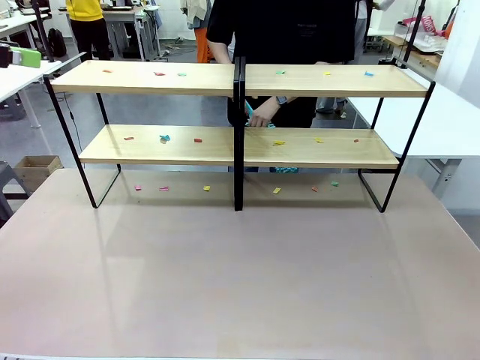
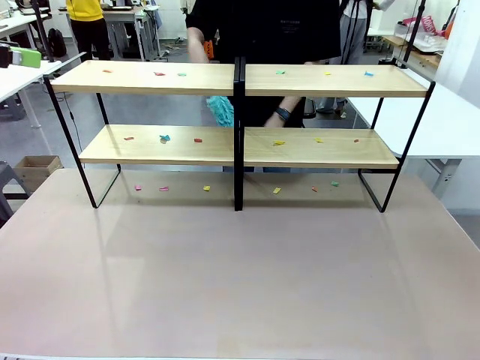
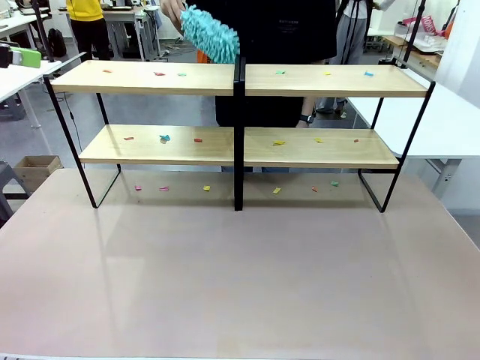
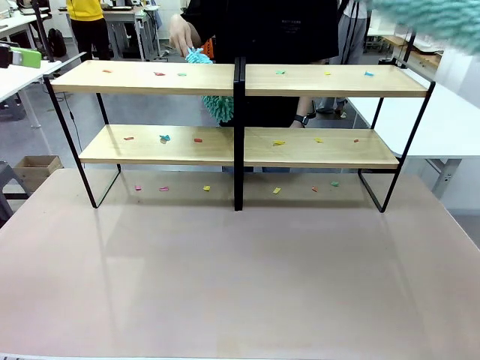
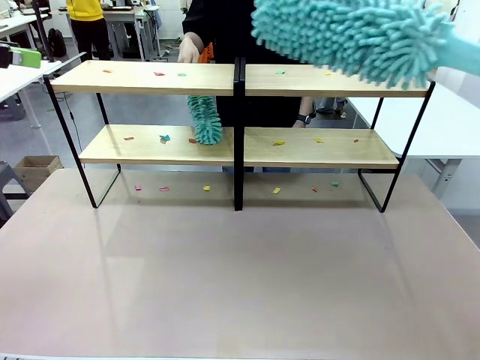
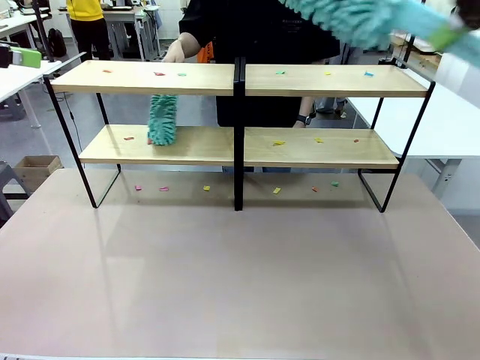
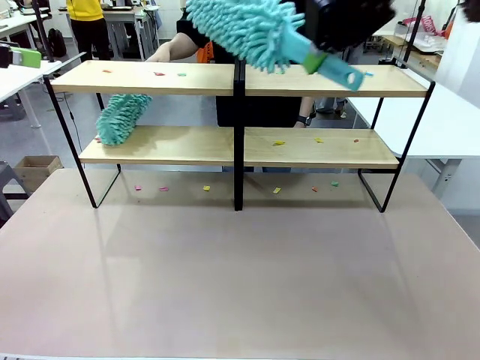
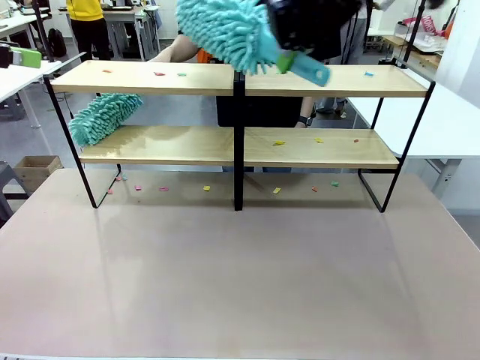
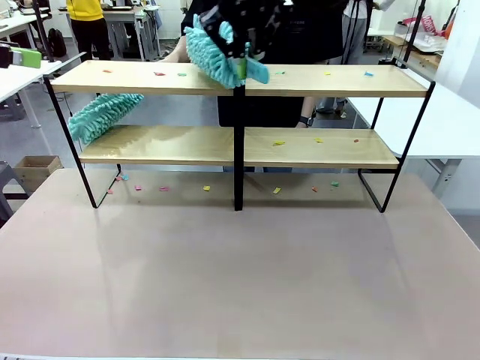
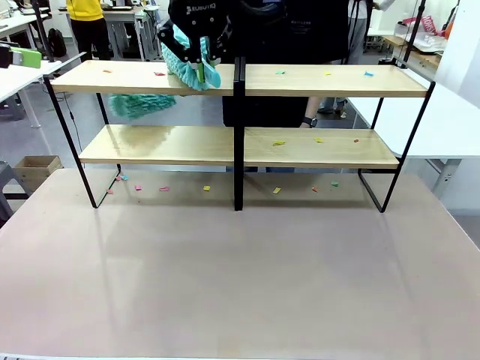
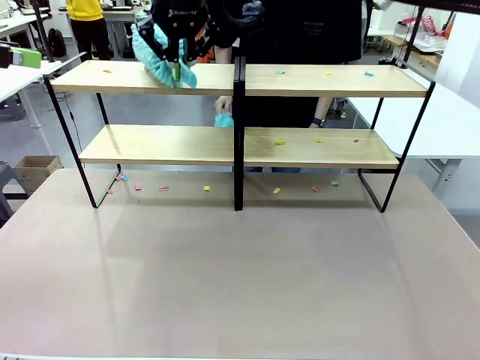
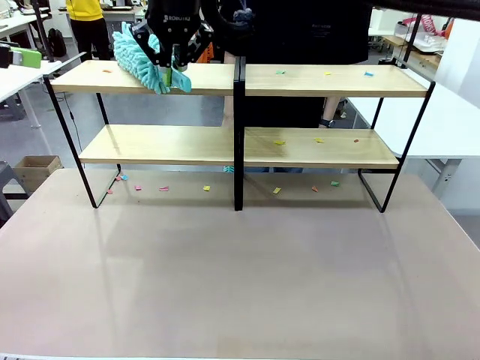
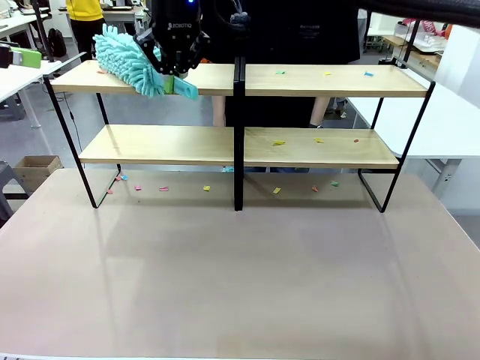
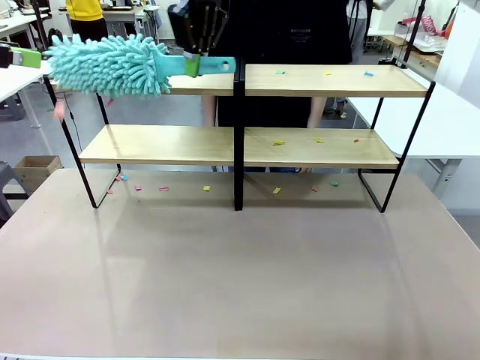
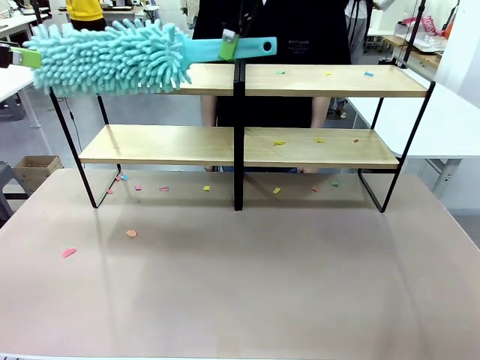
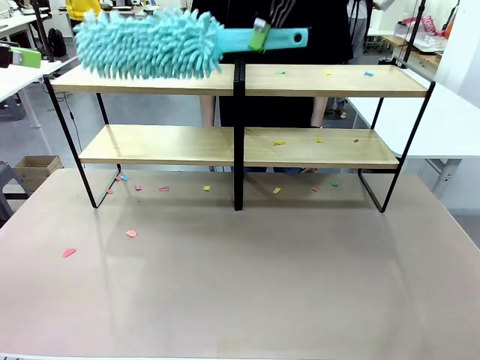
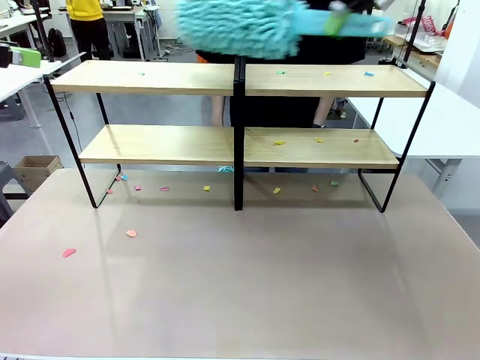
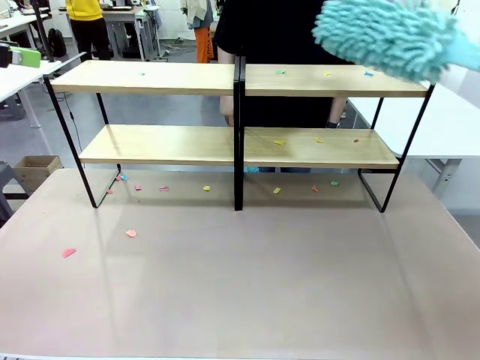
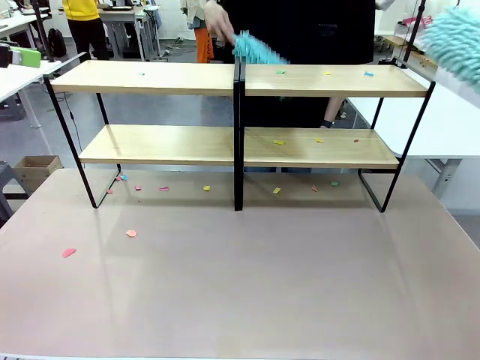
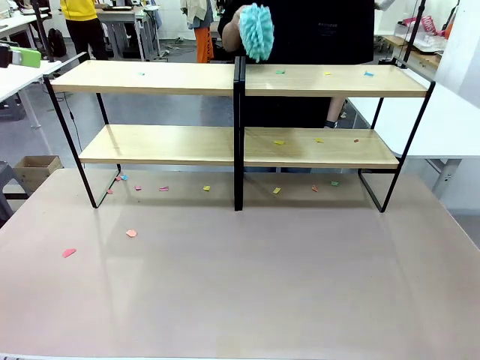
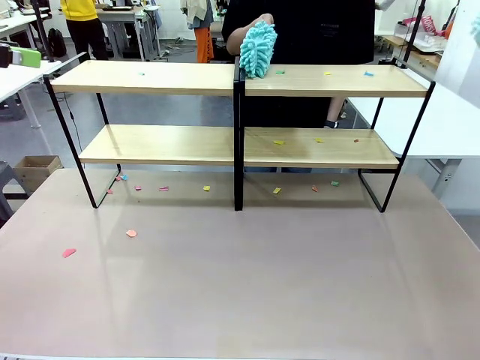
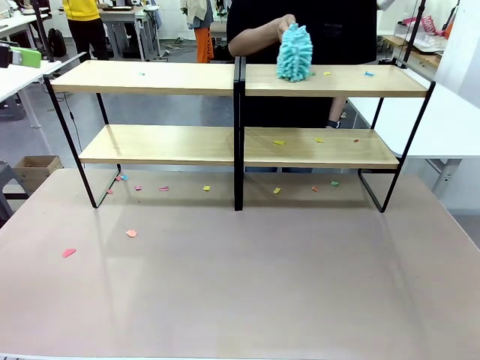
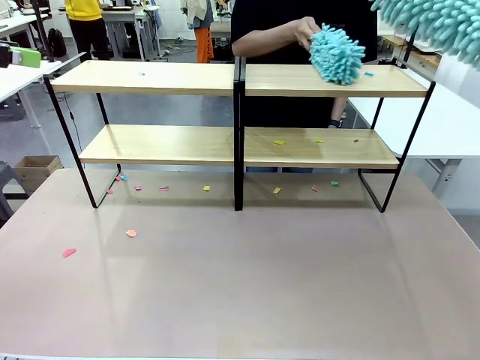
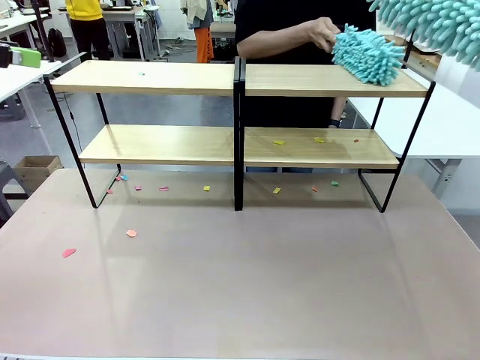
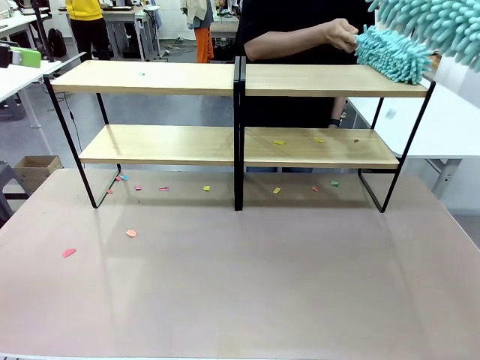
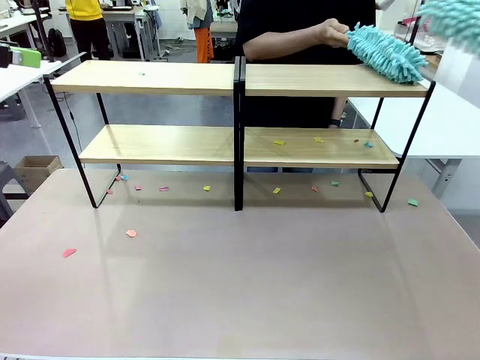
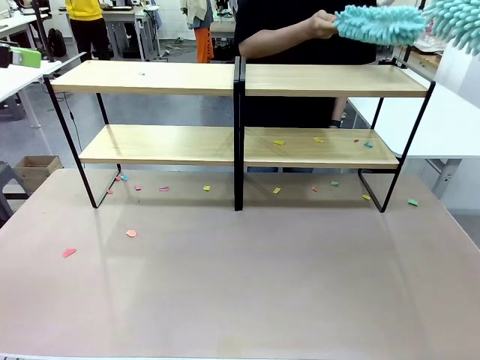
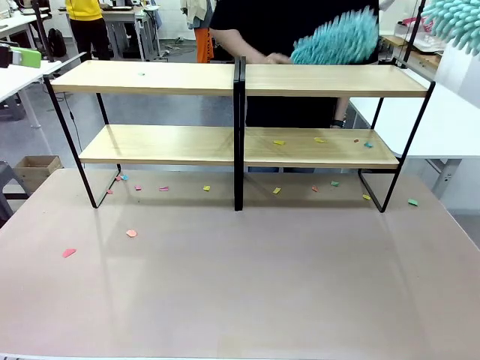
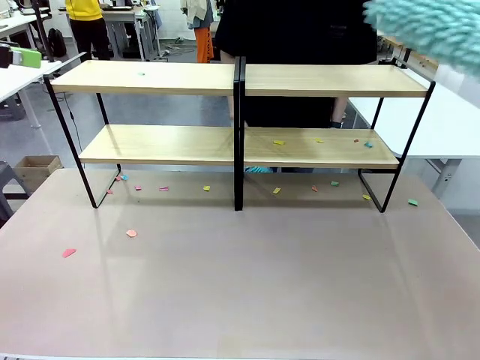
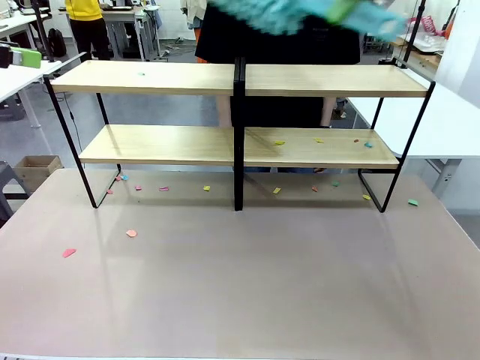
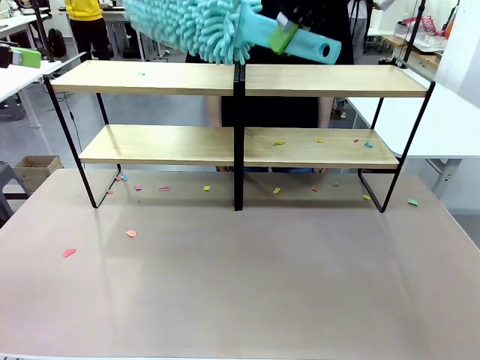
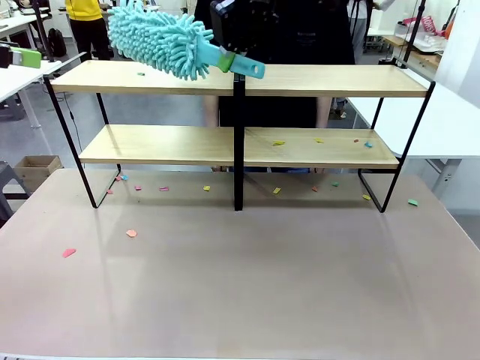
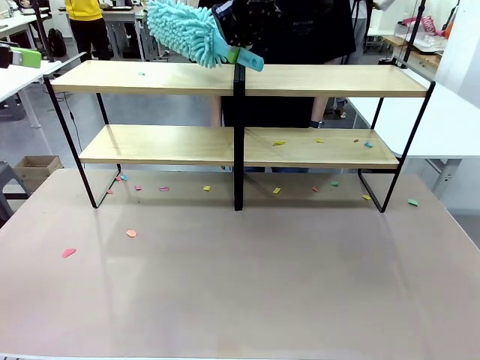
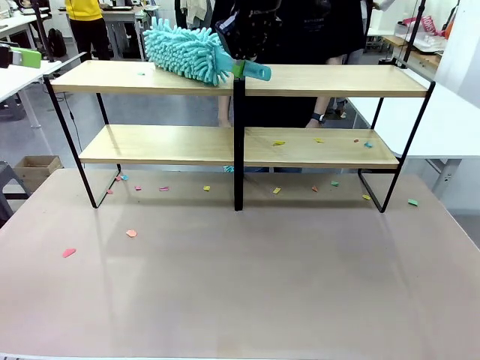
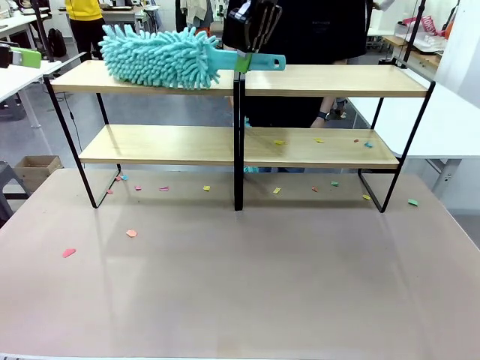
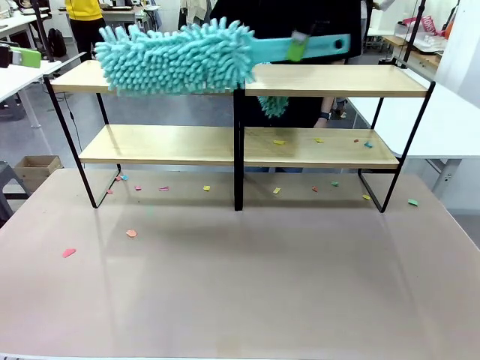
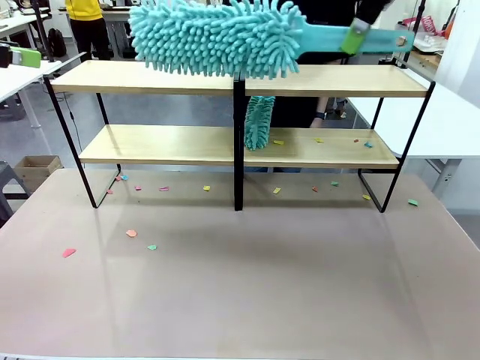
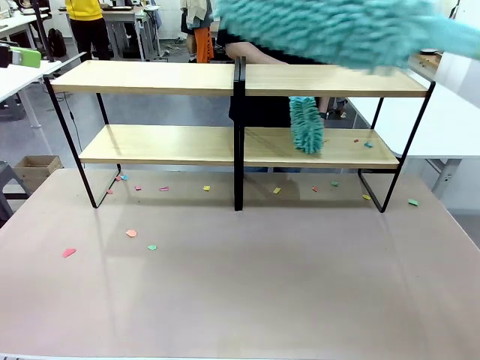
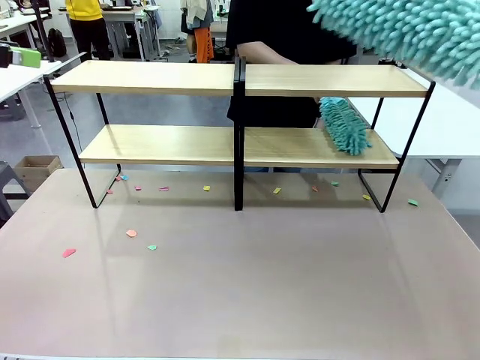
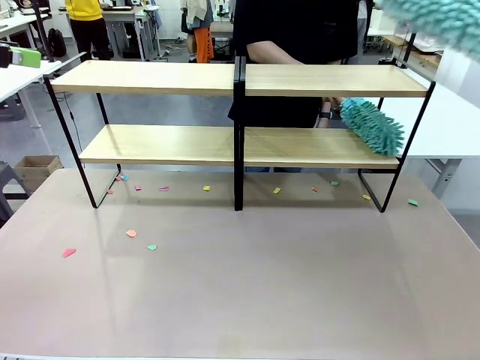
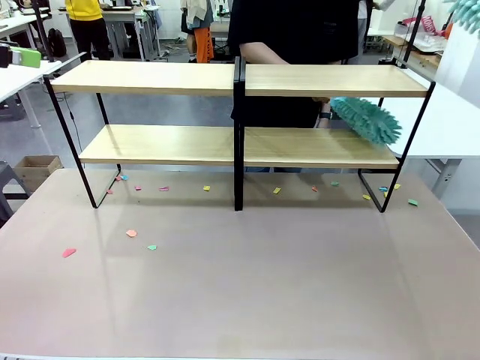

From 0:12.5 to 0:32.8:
Task: Clean the shelves.
Robot: Clean a randomly selected level of the Shelf with the Duster.
Person: Clean a randomly selected level of the Shelf with the Duster.
